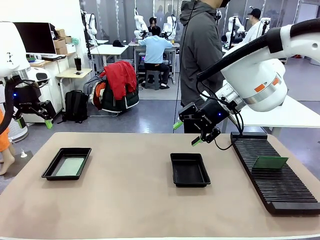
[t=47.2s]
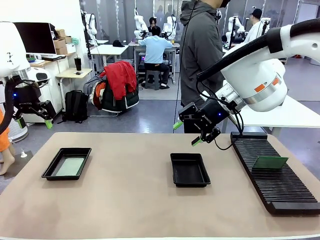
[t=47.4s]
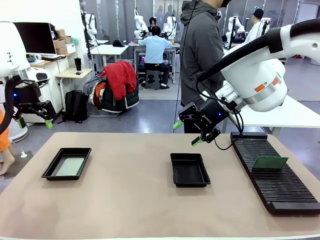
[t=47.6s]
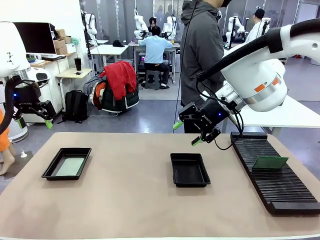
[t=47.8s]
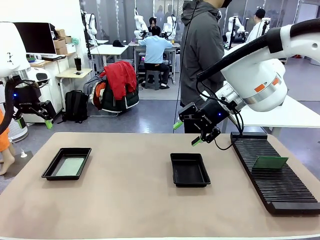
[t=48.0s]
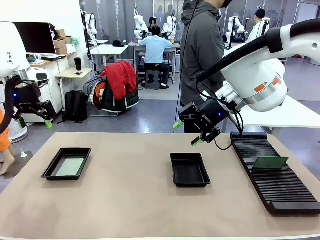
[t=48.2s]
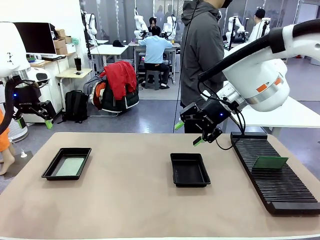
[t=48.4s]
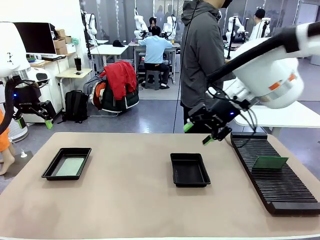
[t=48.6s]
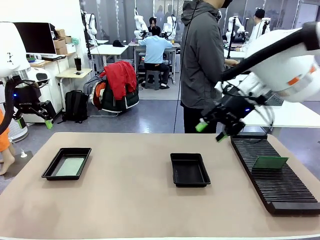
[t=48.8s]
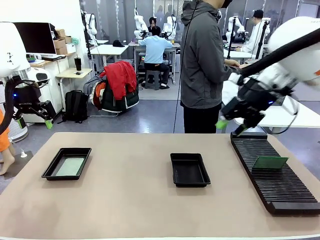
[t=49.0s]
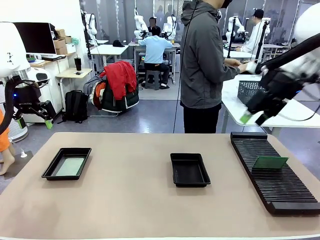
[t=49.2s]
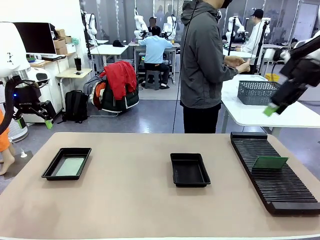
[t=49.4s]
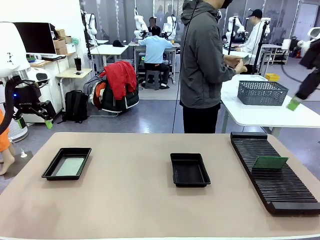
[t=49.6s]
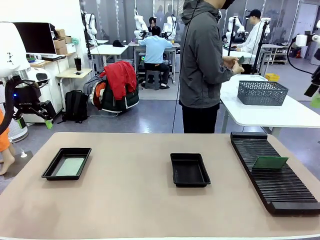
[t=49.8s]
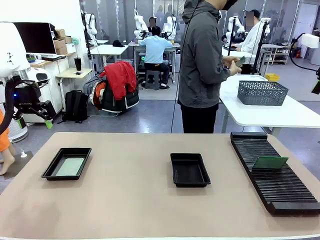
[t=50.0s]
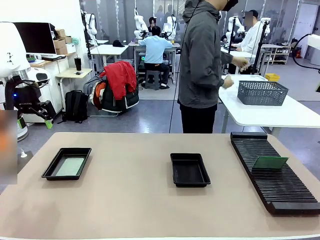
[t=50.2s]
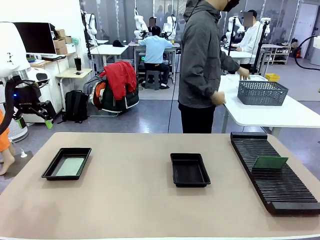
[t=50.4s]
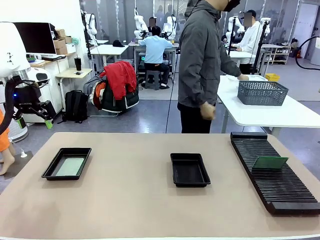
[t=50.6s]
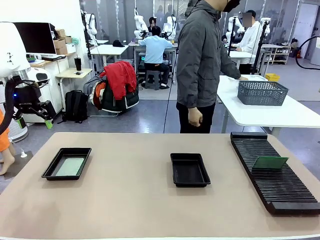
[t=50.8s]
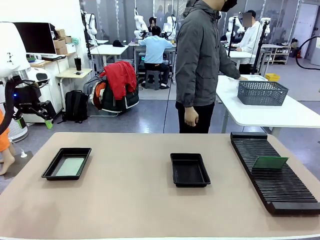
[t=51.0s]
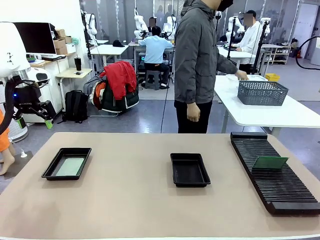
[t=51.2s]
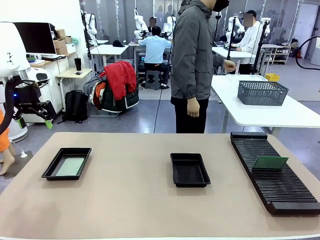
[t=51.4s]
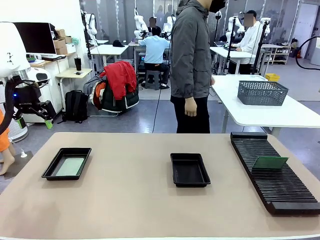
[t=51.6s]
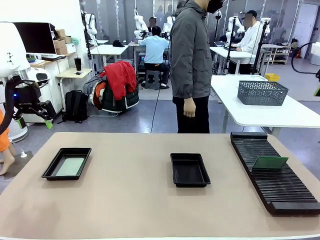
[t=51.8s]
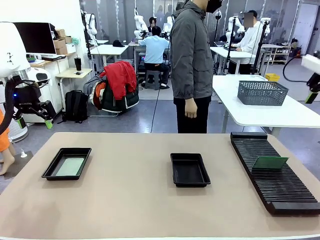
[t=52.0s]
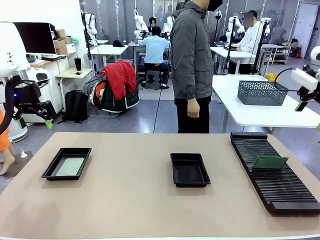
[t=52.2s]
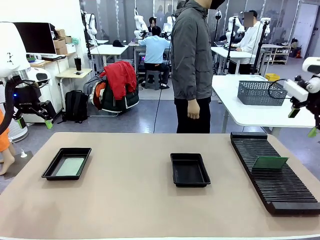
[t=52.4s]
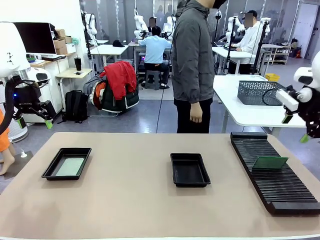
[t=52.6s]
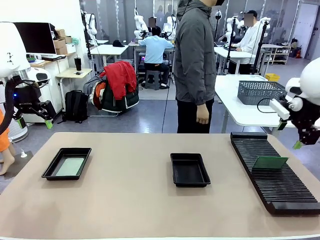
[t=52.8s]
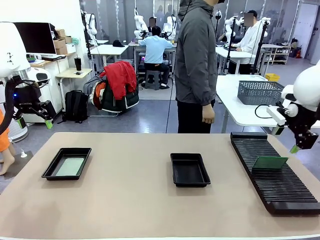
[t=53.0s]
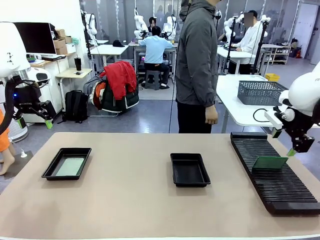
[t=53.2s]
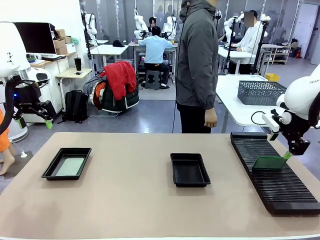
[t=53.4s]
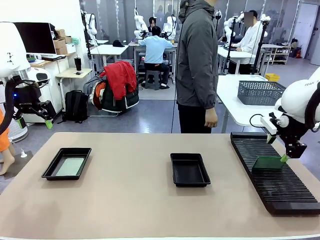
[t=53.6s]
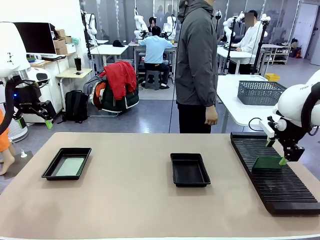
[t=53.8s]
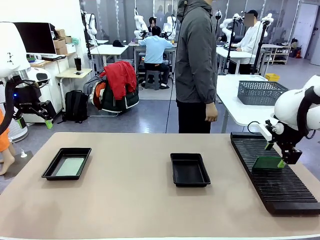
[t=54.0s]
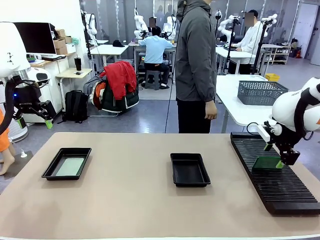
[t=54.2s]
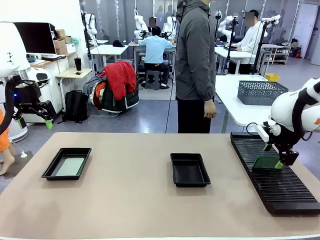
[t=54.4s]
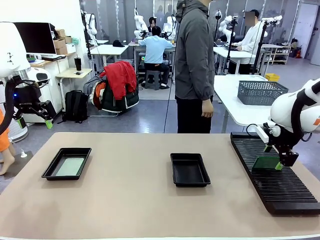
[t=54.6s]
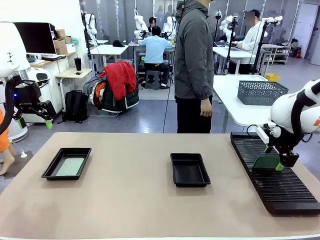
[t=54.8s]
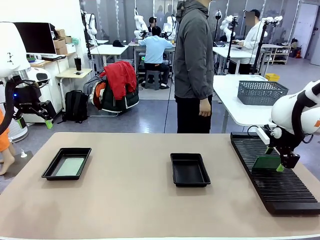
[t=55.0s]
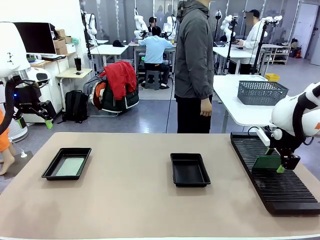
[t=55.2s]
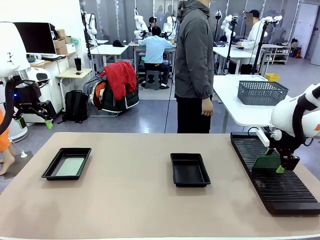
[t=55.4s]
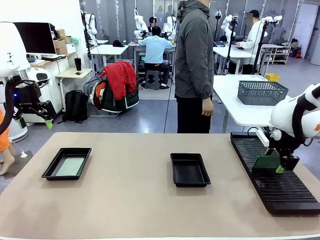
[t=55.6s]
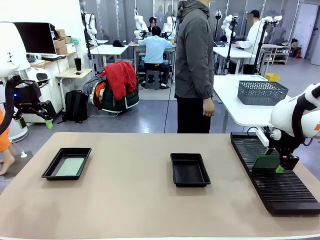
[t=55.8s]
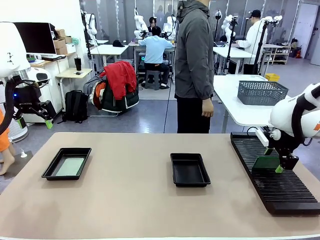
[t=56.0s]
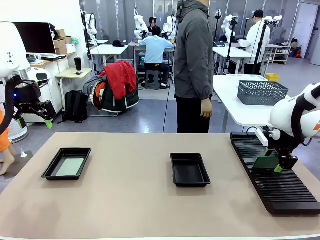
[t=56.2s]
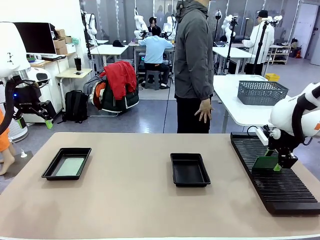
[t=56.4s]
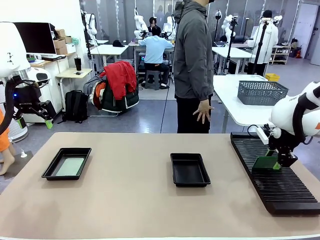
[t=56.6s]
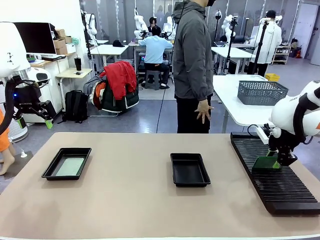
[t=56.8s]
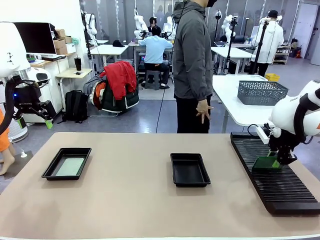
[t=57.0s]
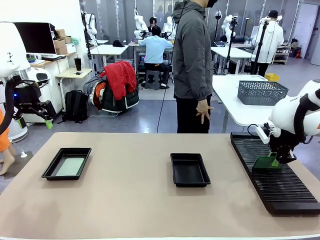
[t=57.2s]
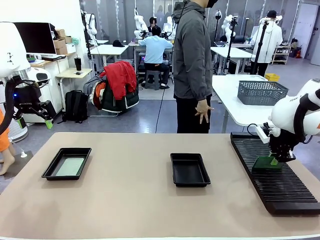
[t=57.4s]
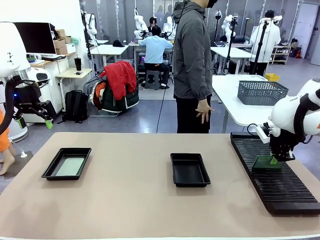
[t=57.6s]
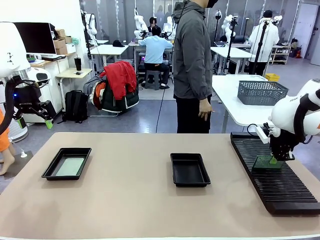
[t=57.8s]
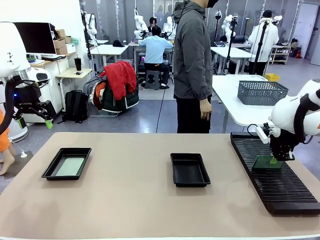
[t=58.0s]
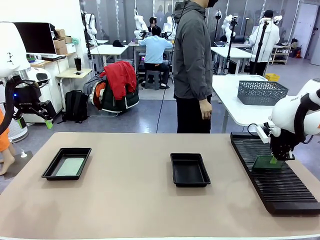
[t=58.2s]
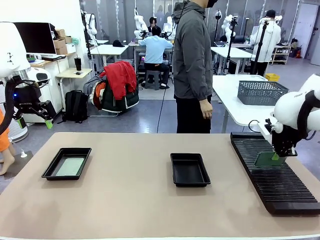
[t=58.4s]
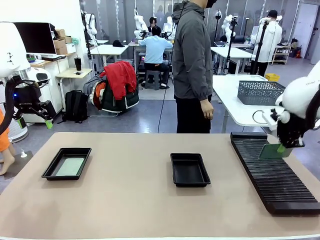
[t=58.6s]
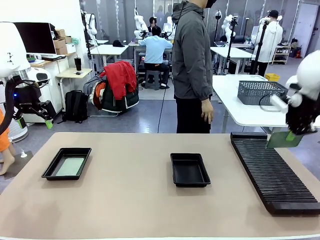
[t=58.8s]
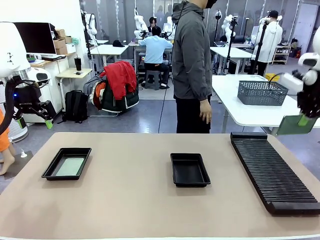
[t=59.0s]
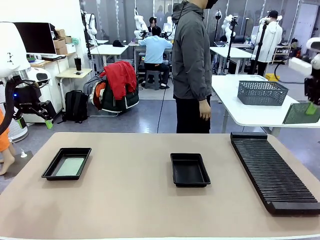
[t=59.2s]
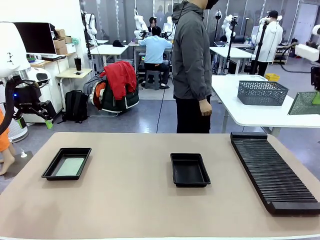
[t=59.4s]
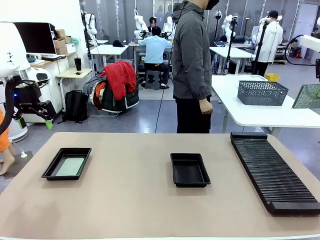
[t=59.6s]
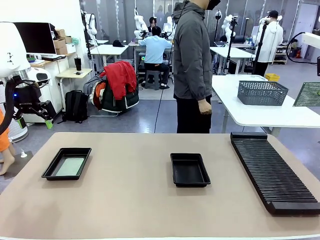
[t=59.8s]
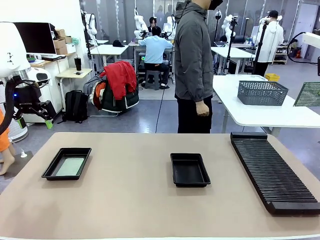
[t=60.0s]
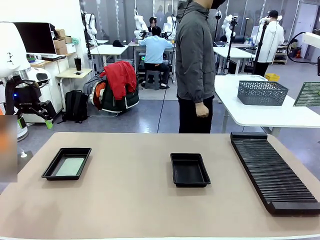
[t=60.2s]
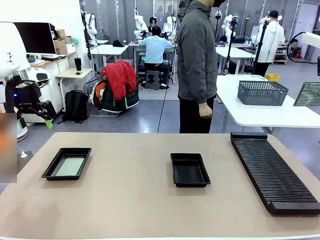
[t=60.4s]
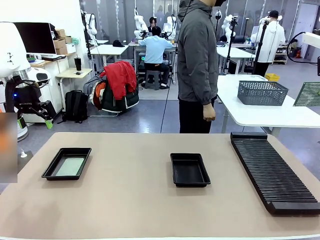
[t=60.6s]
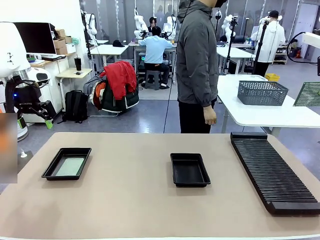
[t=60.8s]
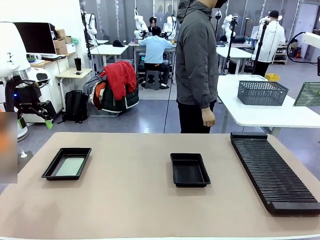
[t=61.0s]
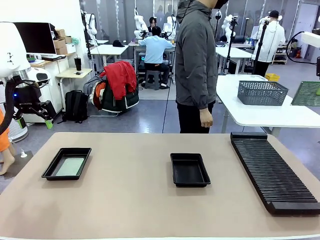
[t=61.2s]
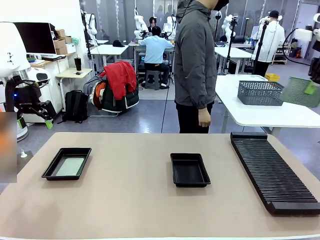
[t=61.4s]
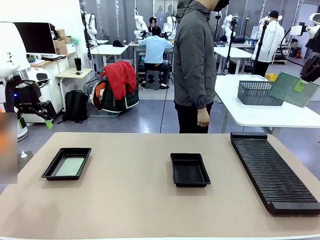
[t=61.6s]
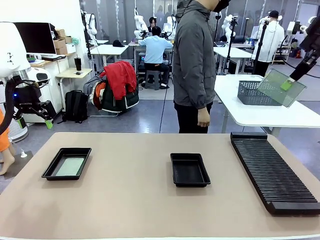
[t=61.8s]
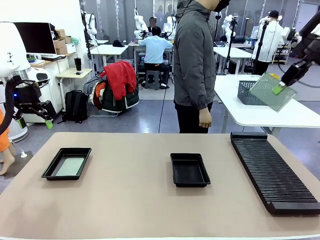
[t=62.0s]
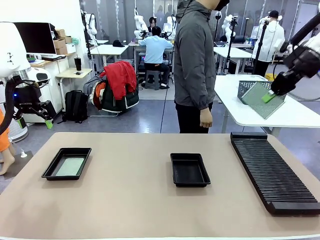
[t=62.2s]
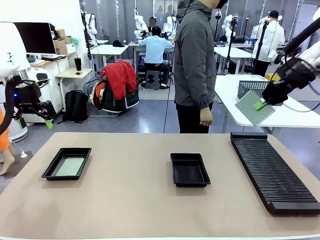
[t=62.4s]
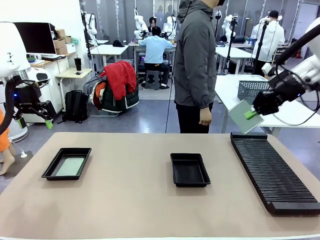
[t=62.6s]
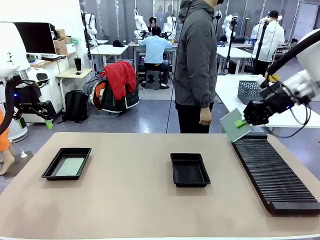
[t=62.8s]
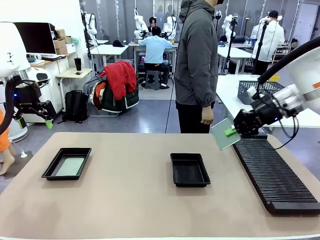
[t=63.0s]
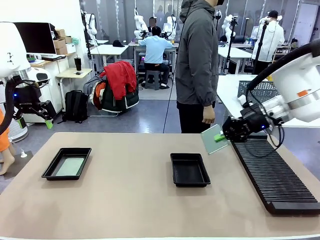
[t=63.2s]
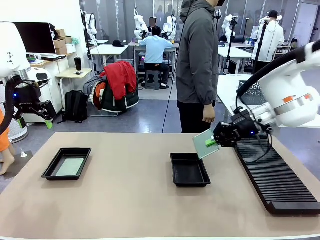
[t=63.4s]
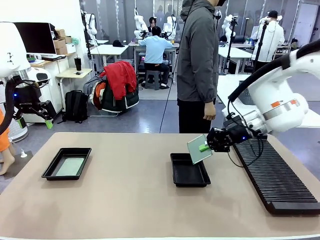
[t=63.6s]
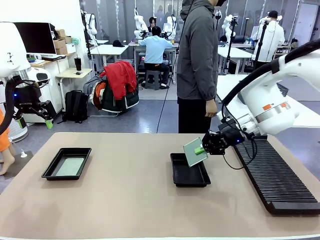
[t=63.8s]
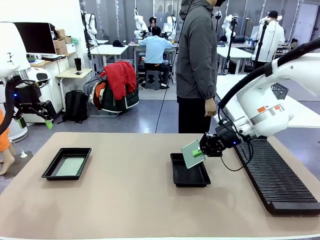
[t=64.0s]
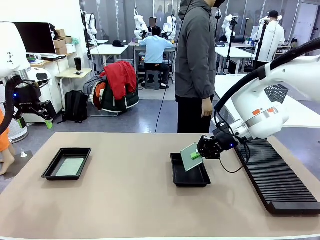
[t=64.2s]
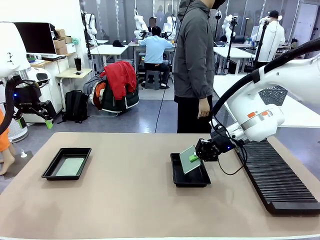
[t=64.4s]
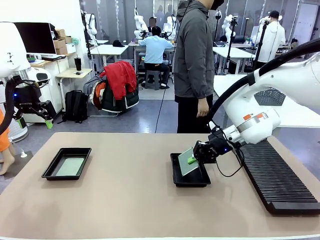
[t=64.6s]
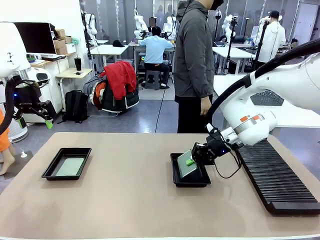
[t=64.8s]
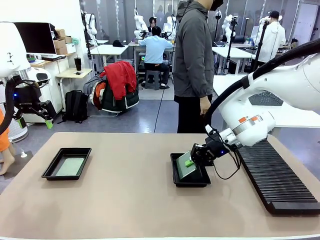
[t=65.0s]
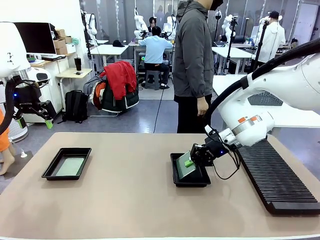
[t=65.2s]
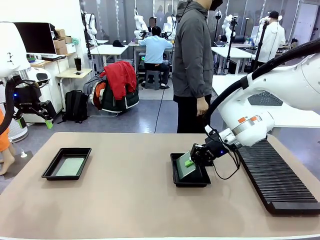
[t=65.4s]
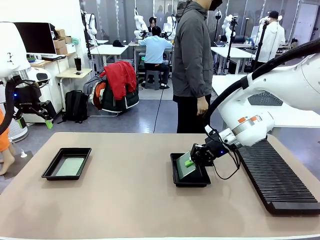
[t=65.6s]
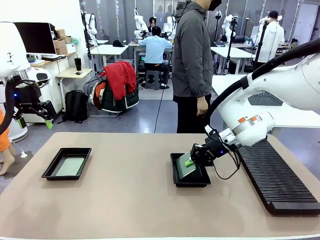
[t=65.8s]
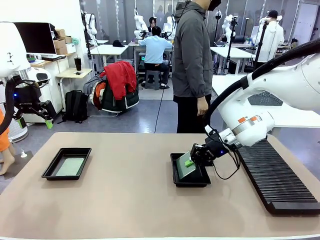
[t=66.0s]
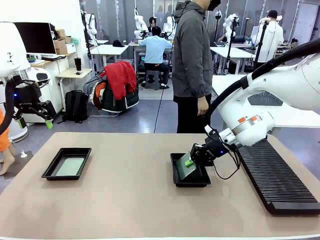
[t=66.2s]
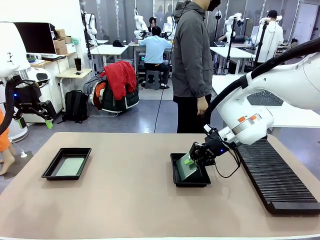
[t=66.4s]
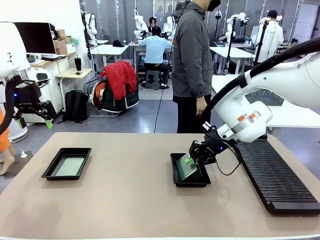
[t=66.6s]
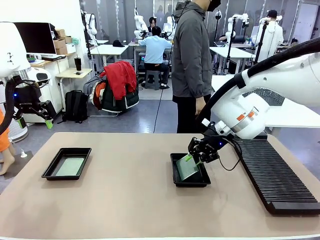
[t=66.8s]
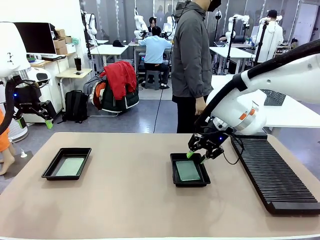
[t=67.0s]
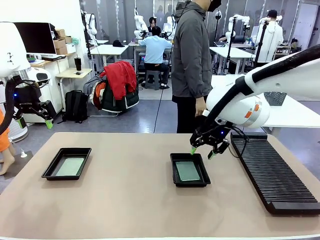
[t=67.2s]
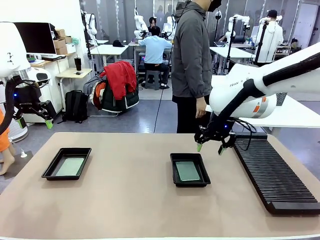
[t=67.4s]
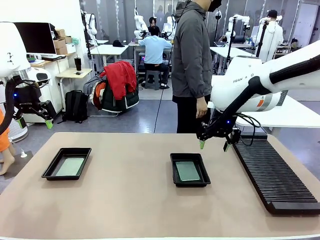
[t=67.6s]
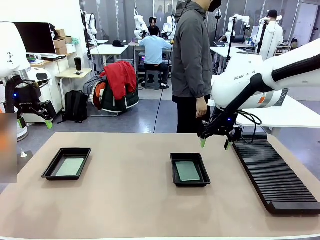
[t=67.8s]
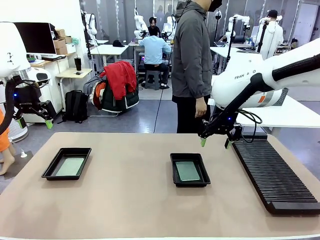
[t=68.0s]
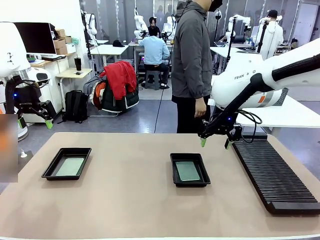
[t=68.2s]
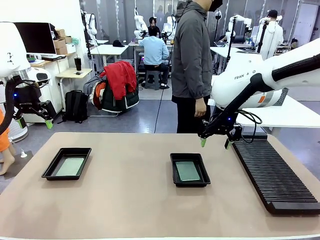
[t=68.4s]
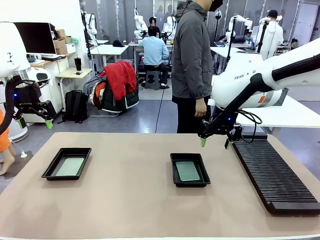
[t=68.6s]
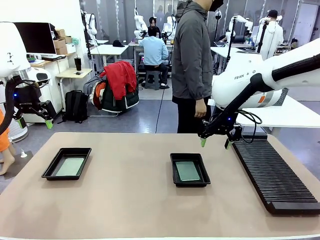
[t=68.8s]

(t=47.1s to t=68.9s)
Task: Inspect and transfer BCBs to ESD trays.
Robot: Pick up the Blank PCB from the PCB Rack and place it in the right ESD tray.
